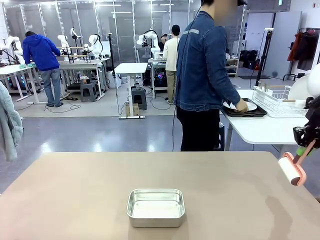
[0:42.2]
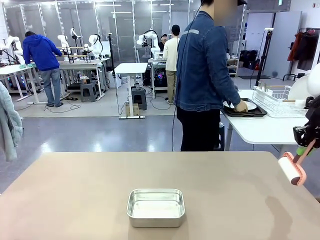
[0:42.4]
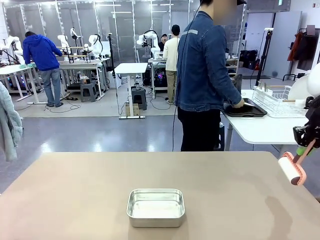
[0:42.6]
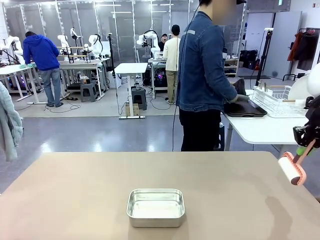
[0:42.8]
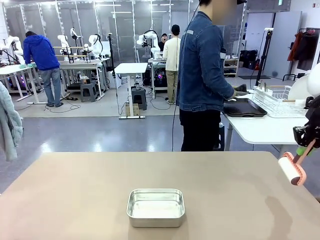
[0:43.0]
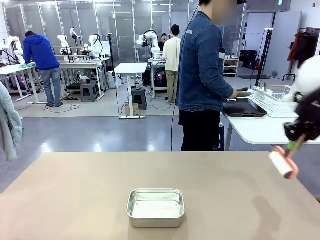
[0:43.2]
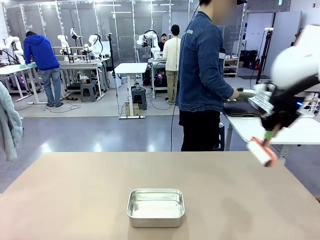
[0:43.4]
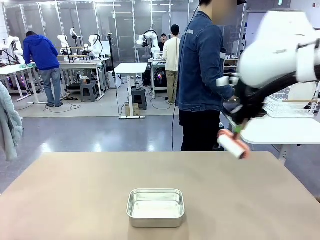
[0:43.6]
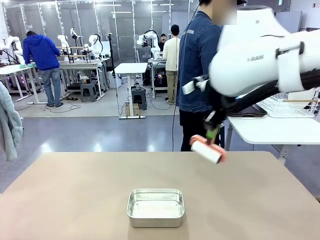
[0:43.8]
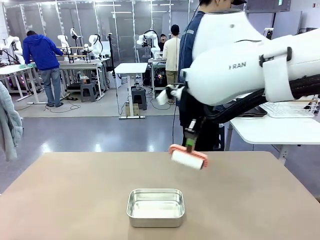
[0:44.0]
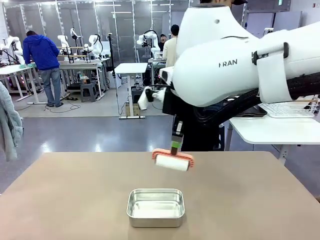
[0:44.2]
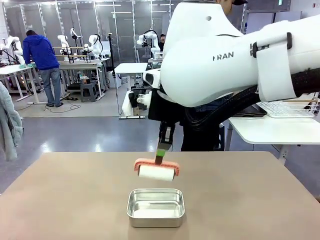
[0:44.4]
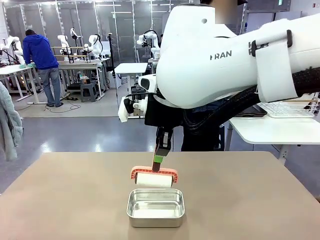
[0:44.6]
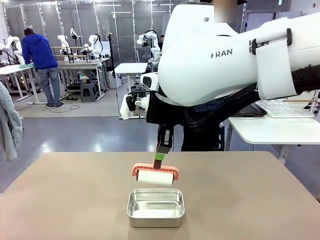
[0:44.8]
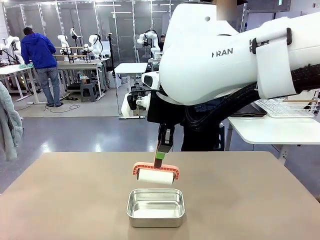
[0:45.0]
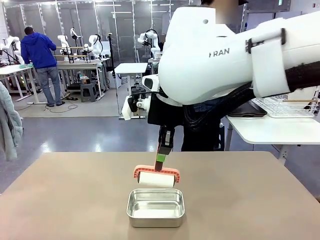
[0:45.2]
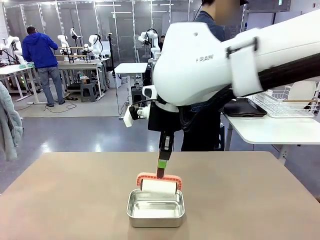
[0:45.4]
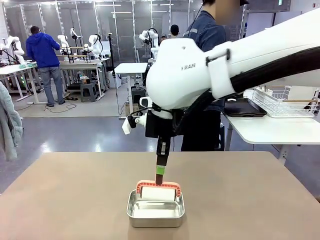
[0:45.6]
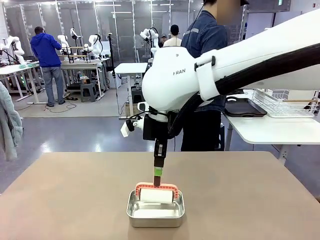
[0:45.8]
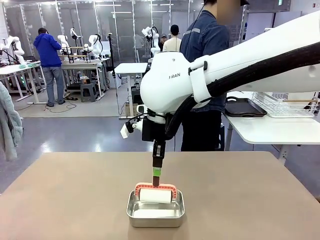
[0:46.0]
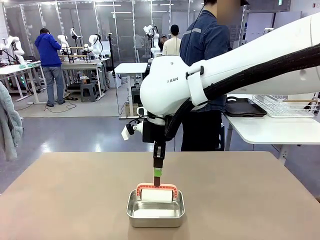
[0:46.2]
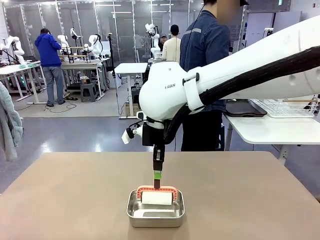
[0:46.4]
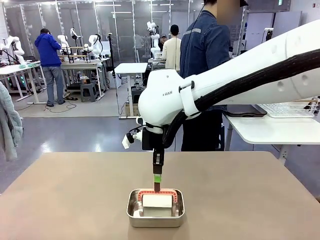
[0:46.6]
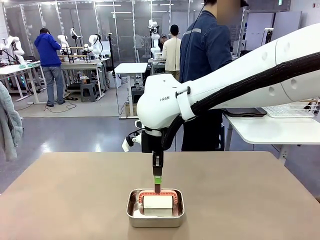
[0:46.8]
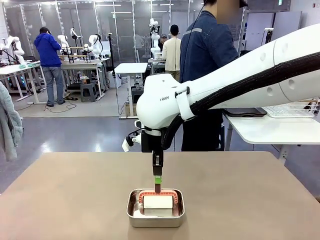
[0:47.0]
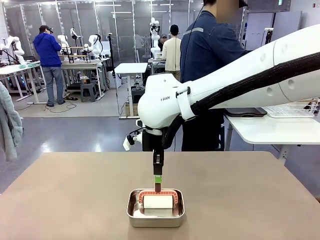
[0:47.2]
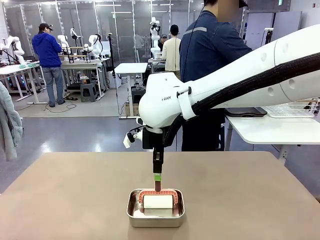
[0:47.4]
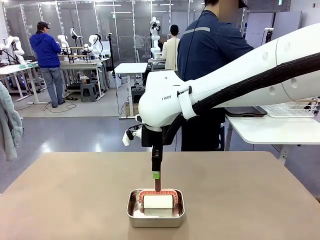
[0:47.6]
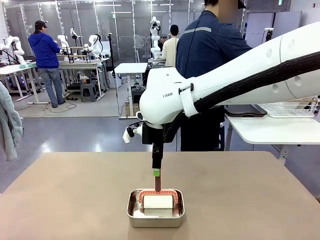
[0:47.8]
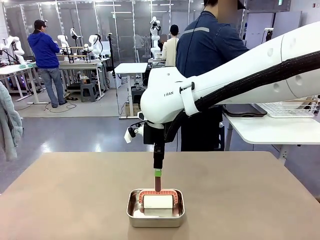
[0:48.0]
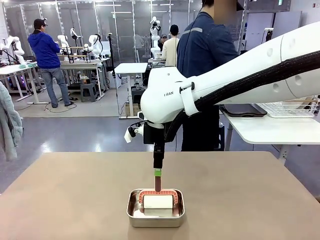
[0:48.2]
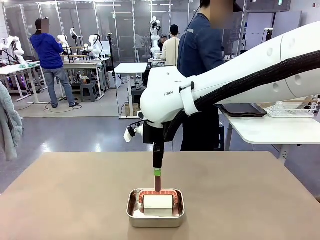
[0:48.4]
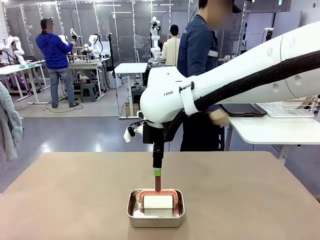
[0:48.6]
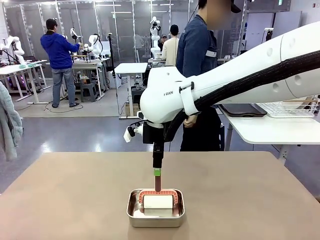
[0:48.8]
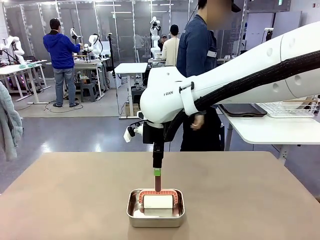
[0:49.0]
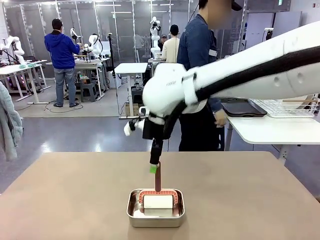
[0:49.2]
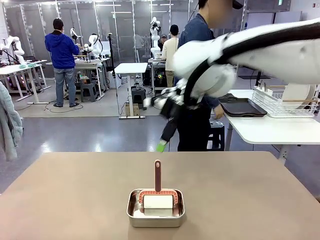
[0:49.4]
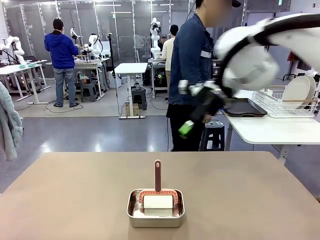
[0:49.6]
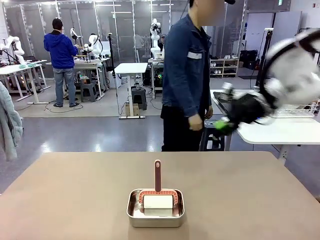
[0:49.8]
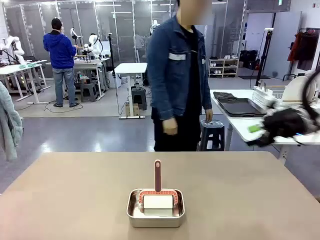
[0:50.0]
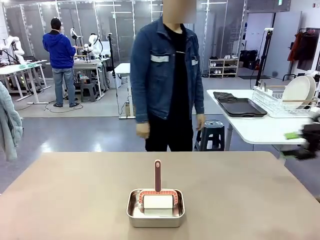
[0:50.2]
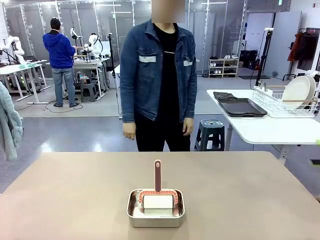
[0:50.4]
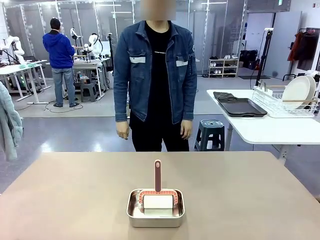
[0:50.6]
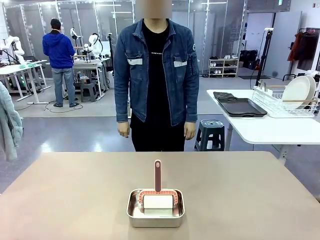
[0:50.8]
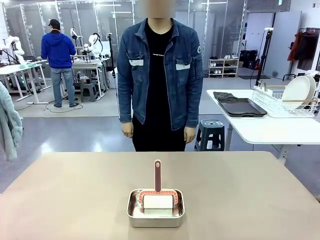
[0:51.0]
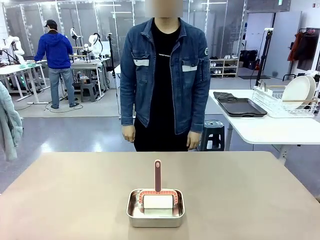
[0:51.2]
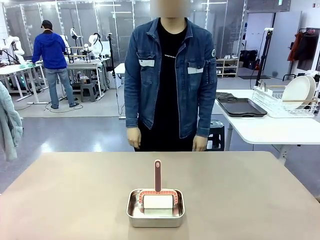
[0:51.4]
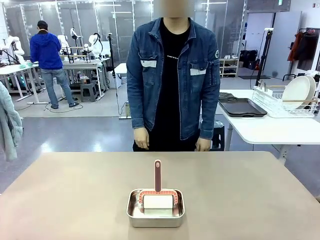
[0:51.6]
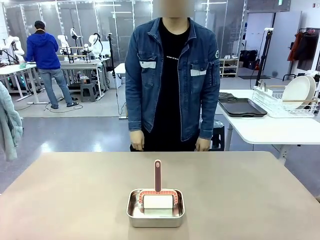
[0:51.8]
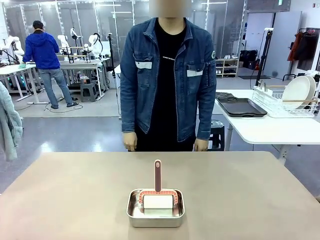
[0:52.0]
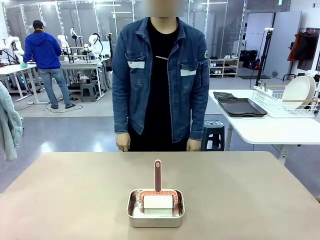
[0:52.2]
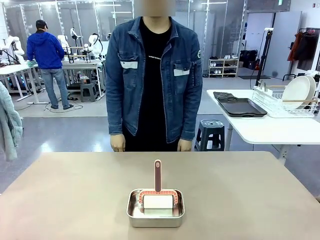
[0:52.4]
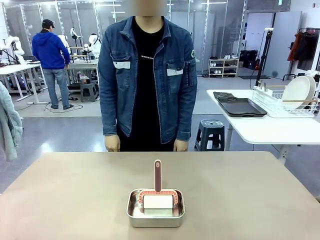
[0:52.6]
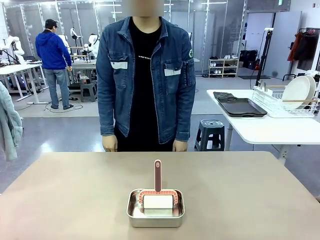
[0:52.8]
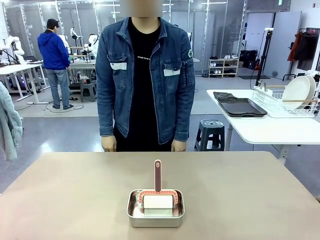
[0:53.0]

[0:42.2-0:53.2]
Robot: Place the Lint Roller back on top of the Airtight Container.
Person: Use the Towel with hook to wipe the Plastic Matte Plate , Fork , and Knife and place into the Dish drying rack.

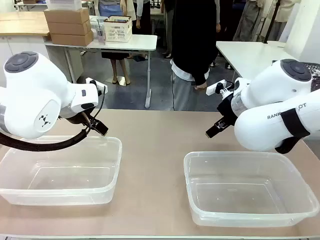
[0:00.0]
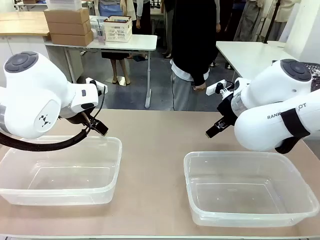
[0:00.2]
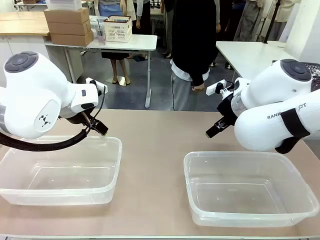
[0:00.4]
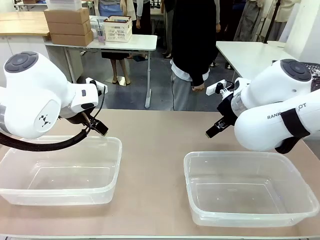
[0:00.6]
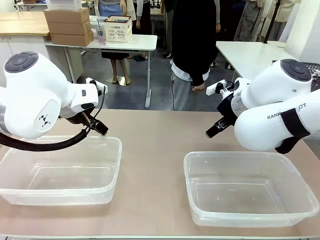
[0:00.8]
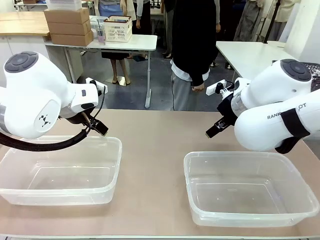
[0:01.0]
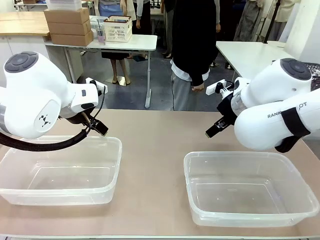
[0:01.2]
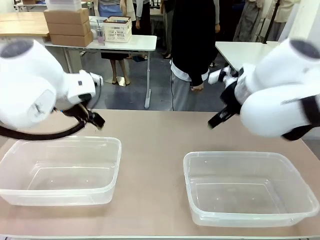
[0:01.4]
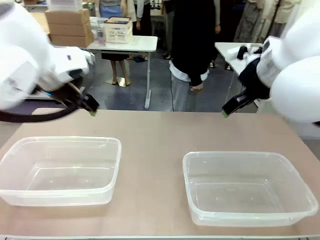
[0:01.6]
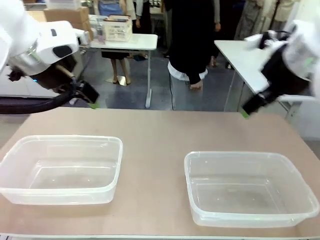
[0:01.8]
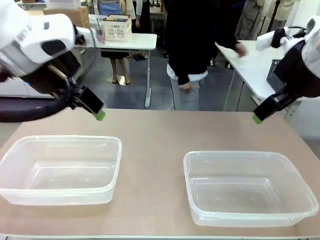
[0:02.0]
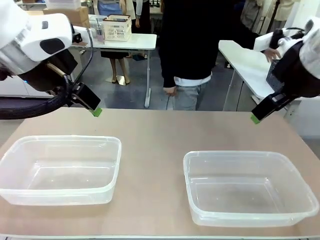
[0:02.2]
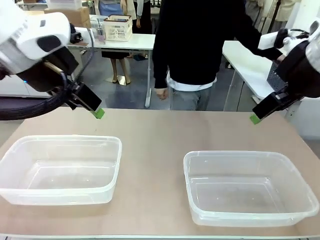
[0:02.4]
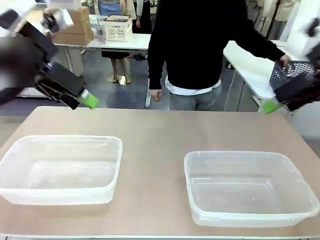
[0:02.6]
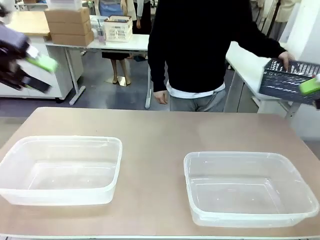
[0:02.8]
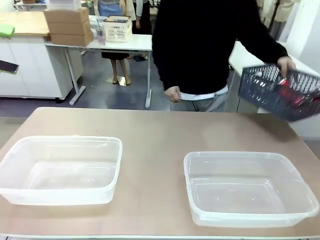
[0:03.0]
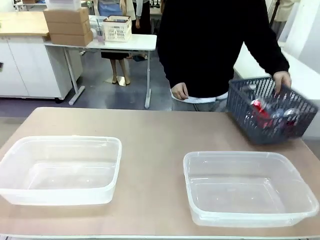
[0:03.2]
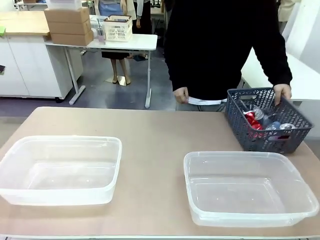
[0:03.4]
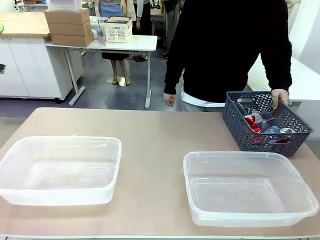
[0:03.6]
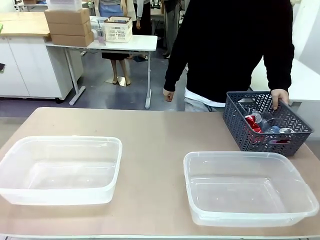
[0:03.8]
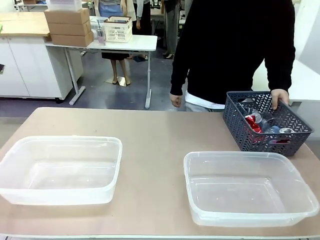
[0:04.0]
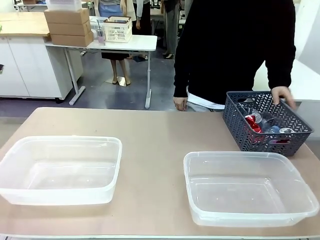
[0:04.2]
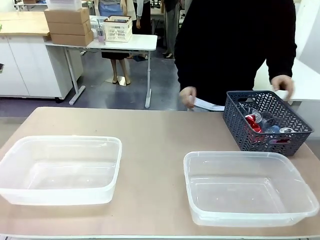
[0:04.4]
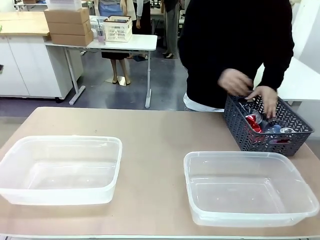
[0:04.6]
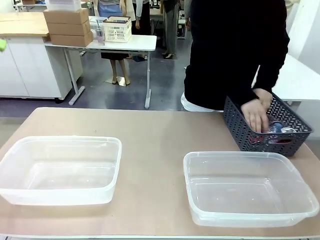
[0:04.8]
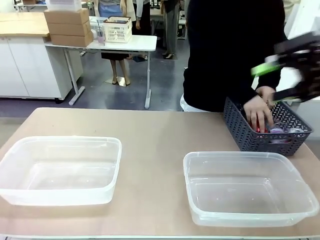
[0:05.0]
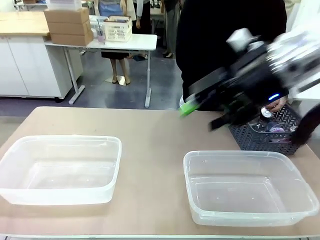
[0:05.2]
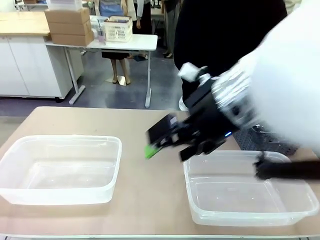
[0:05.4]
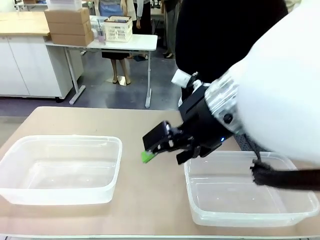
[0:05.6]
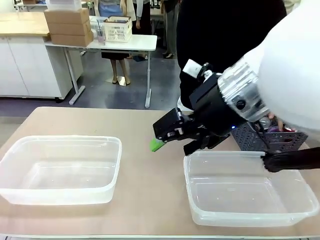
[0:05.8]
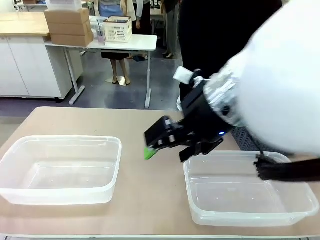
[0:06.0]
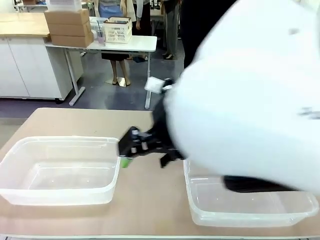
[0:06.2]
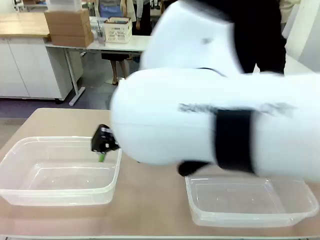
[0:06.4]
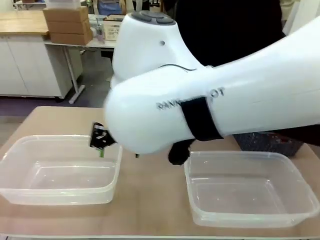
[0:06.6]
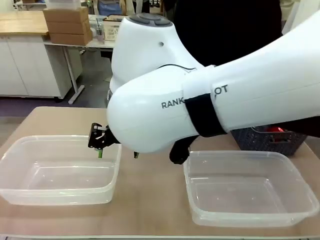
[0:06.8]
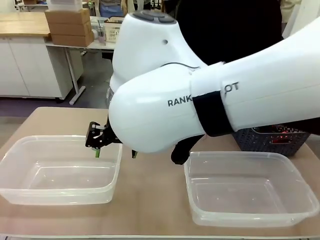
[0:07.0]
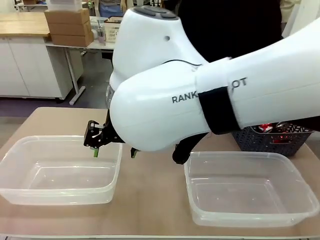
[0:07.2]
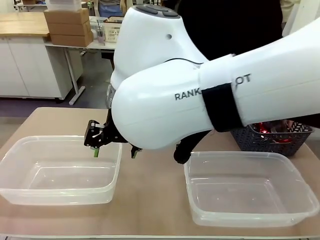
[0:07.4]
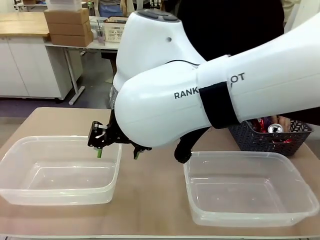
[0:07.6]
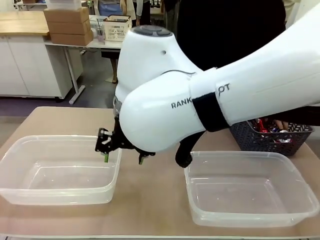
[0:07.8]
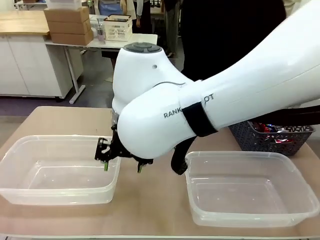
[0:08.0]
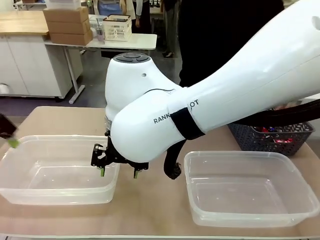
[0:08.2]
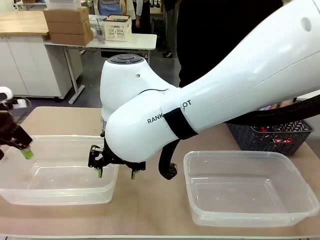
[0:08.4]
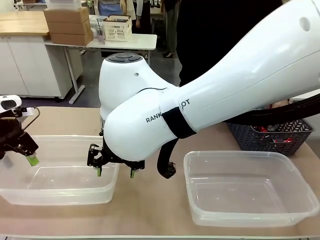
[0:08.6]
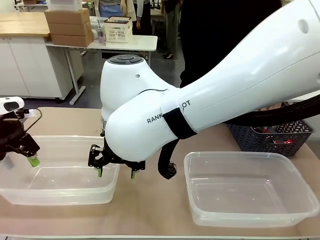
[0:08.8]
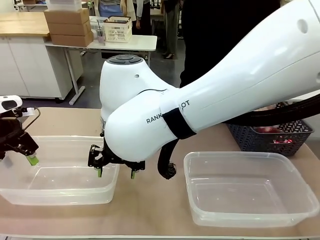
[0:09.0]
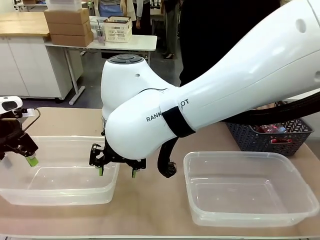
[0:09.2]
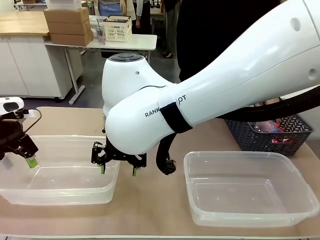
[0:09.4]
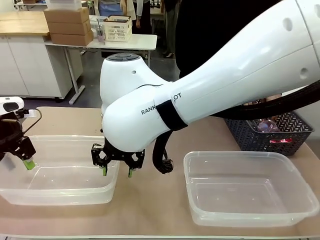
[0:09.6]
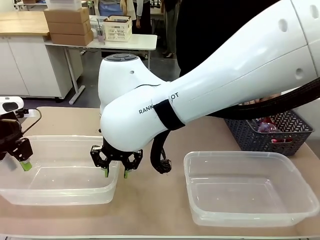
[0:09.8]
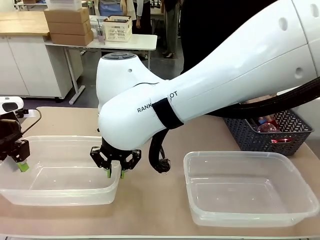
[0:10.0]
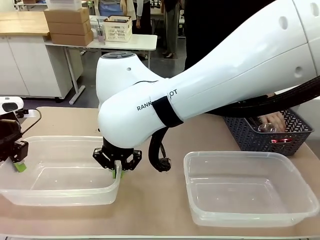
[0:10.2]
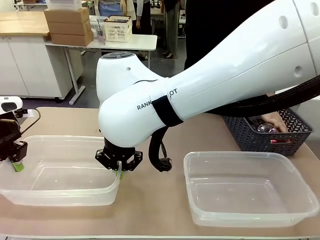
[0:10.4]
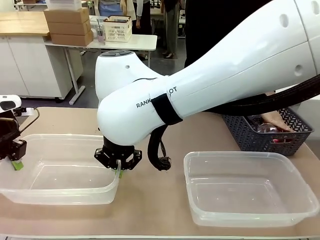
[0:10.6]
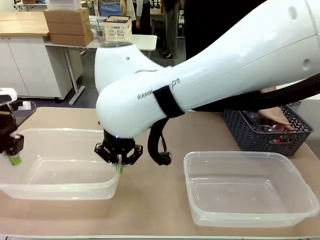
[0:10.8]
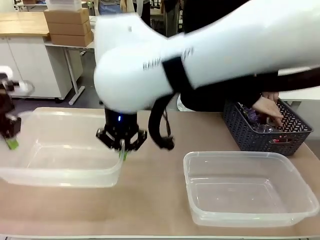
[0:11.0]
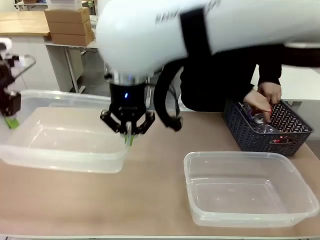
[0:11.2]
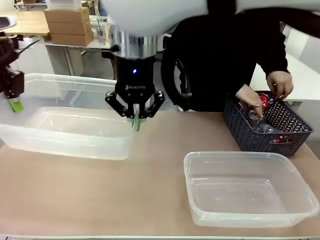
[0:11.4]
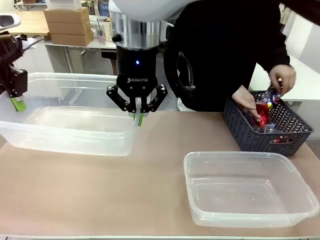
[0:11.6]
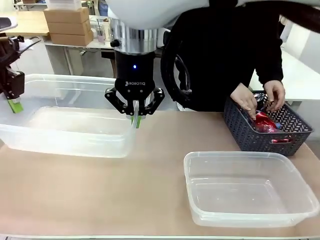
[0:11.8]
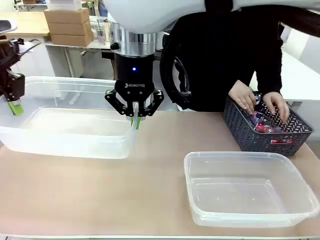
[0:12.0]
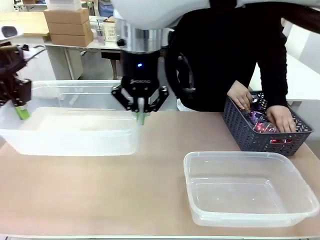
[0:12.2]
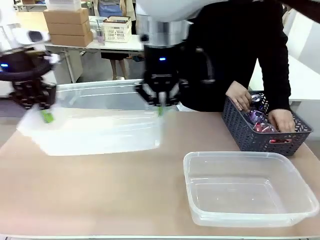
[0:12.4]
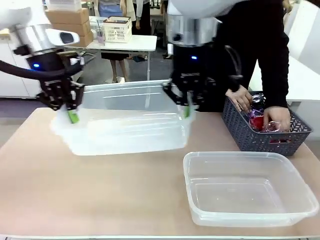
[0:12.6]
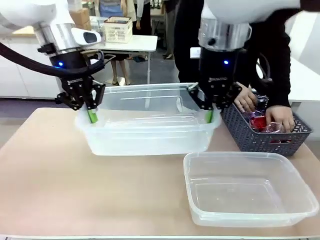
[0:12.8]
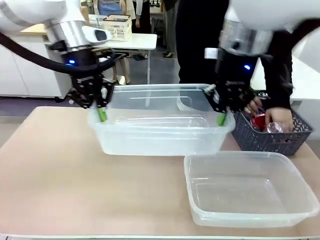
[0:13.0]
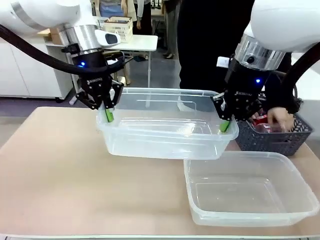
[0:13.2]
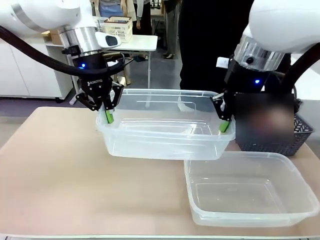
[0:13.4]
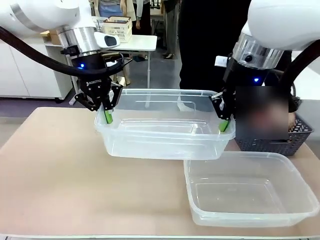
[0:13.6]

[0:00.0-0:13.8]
Robot: Pick up the Organizing box on the left side of the table and lift it.
Person: Pick up the storage basket and place it on the left side of the robot table. Pick up can-shaped waste one by one and place it into the organizing box lifted by the robot.
